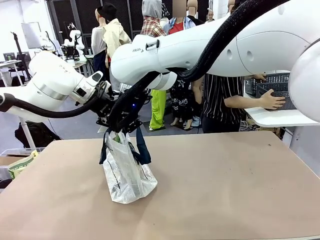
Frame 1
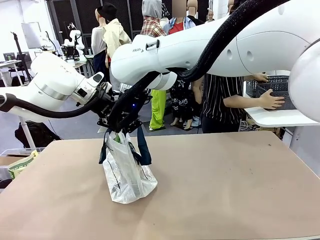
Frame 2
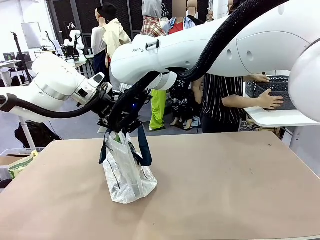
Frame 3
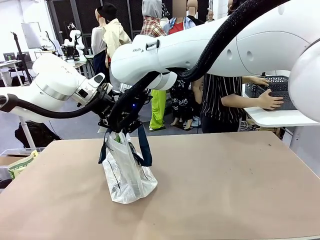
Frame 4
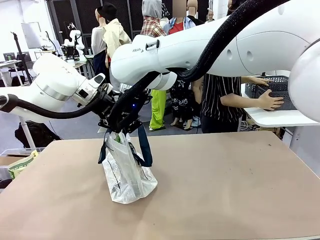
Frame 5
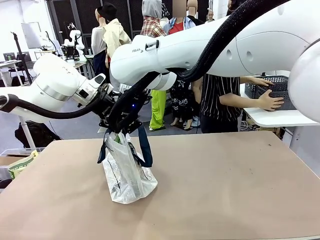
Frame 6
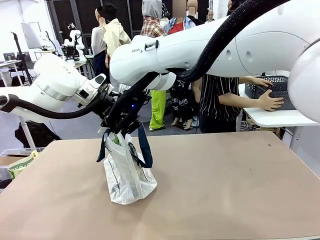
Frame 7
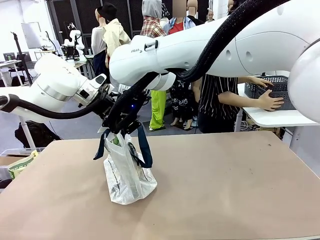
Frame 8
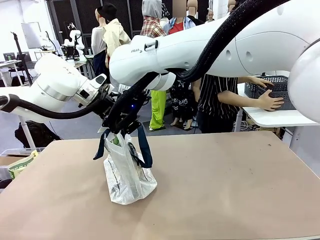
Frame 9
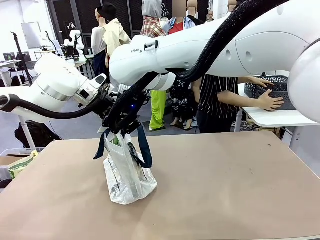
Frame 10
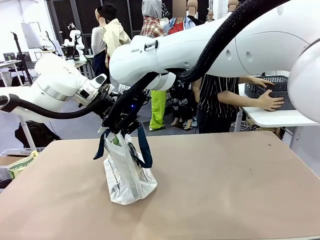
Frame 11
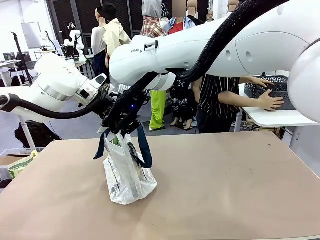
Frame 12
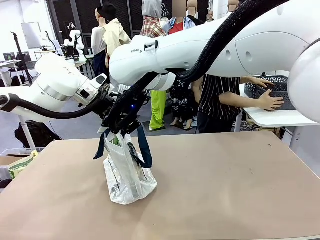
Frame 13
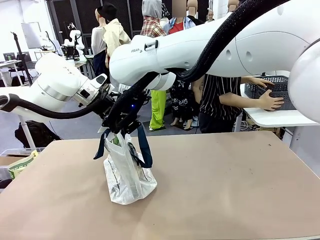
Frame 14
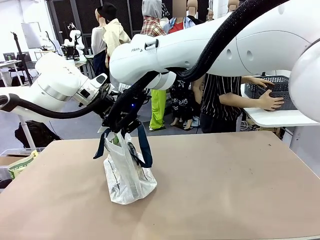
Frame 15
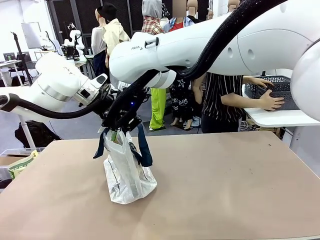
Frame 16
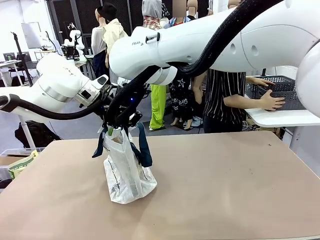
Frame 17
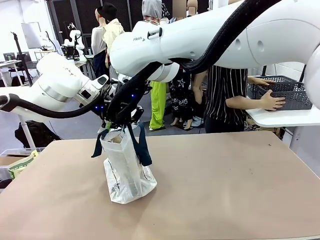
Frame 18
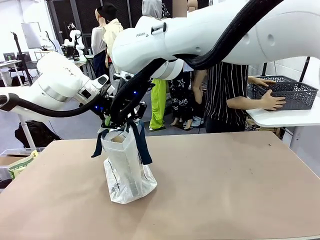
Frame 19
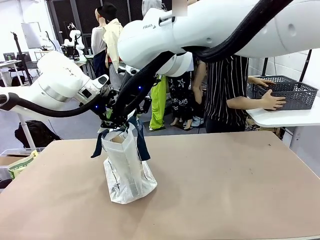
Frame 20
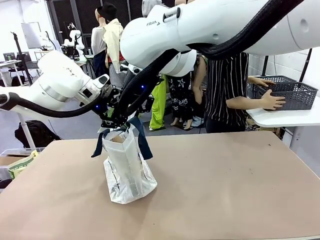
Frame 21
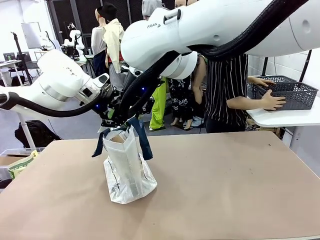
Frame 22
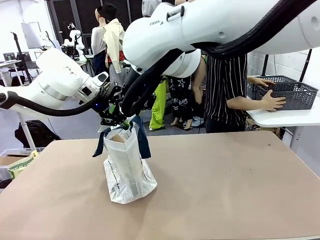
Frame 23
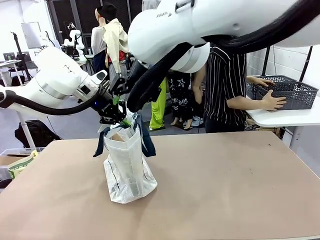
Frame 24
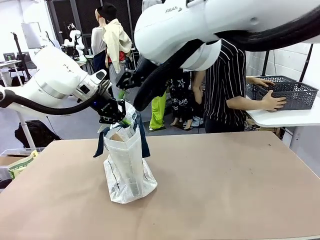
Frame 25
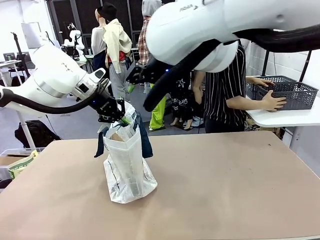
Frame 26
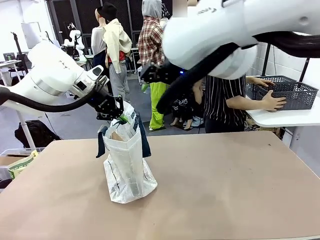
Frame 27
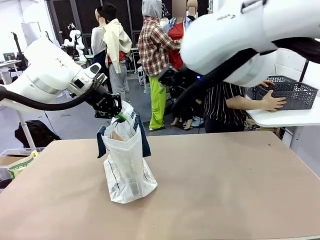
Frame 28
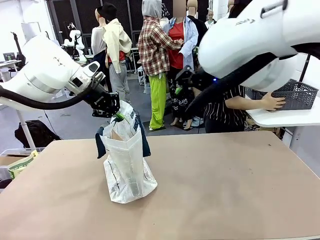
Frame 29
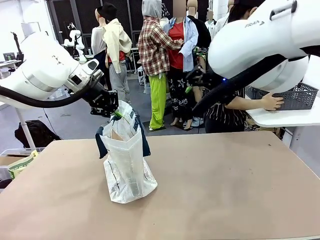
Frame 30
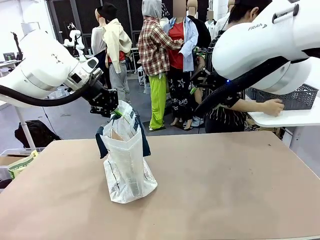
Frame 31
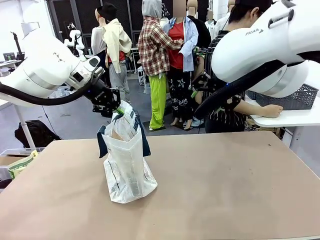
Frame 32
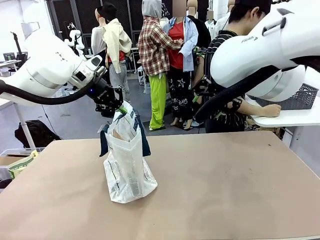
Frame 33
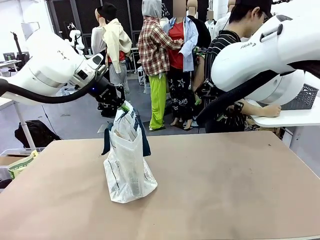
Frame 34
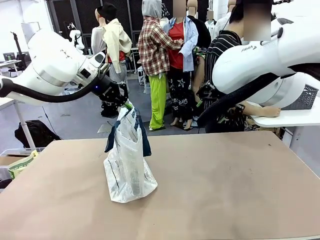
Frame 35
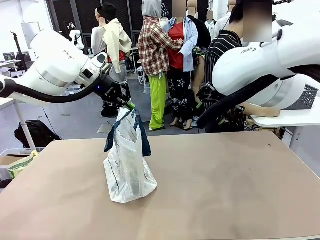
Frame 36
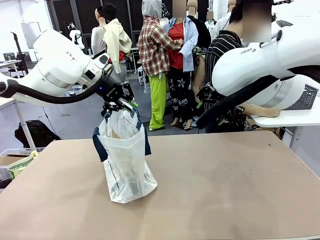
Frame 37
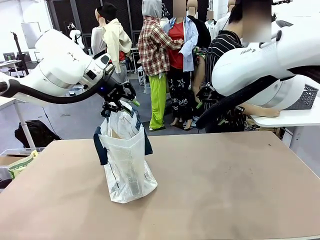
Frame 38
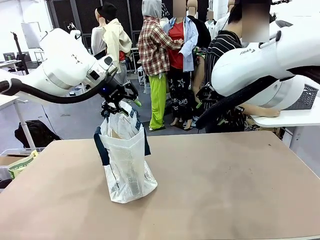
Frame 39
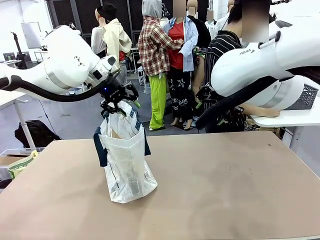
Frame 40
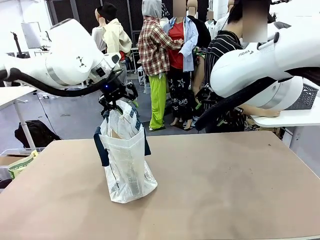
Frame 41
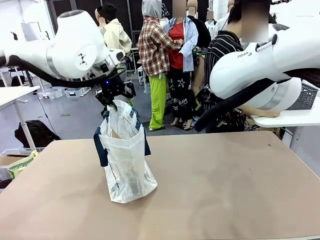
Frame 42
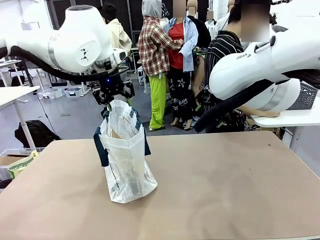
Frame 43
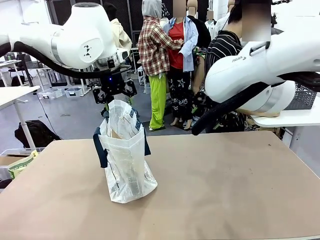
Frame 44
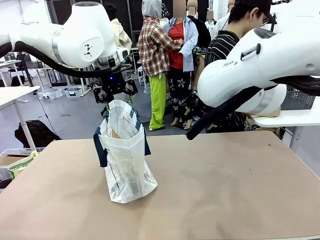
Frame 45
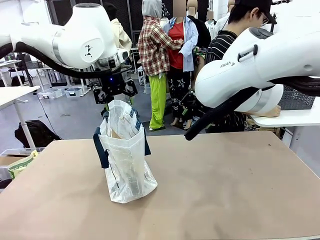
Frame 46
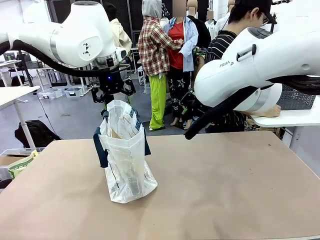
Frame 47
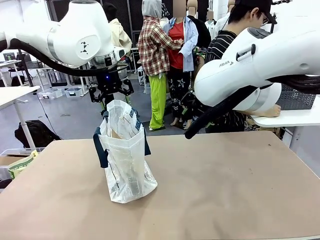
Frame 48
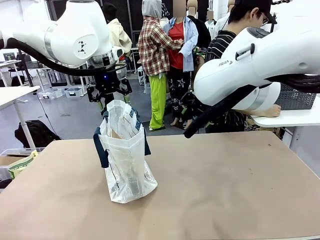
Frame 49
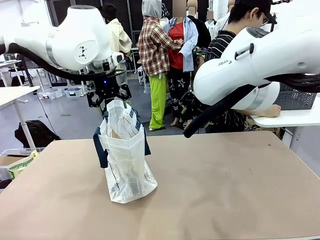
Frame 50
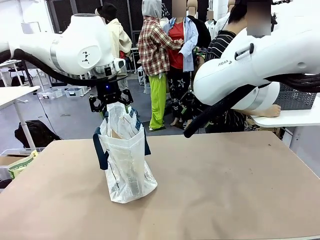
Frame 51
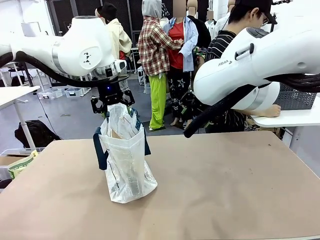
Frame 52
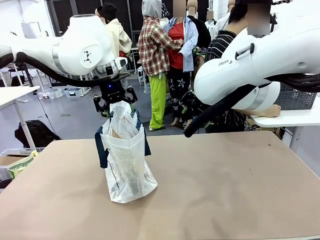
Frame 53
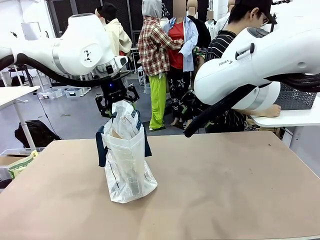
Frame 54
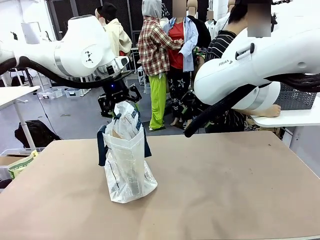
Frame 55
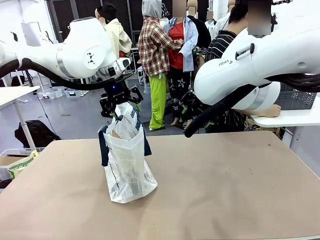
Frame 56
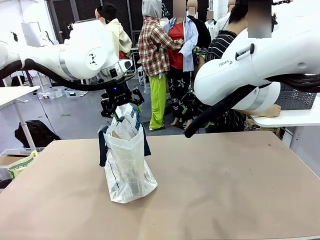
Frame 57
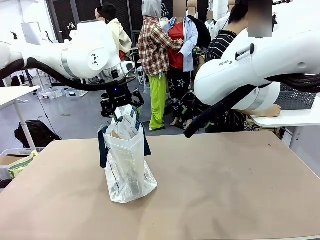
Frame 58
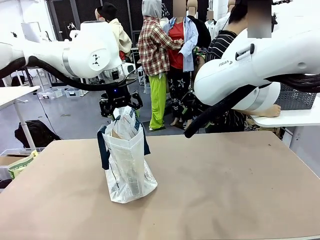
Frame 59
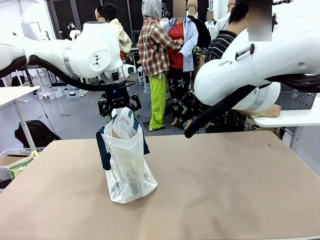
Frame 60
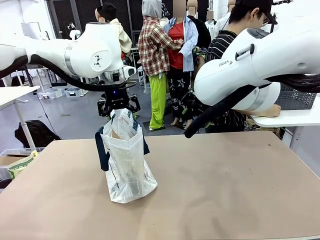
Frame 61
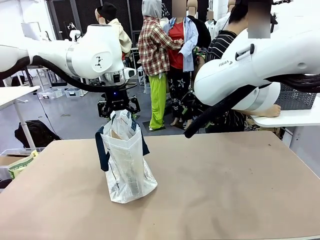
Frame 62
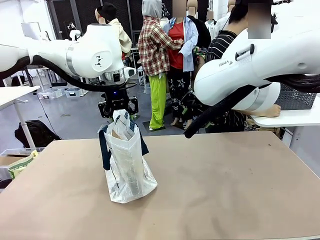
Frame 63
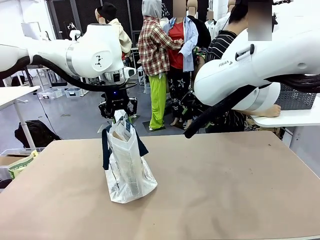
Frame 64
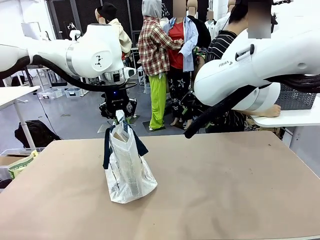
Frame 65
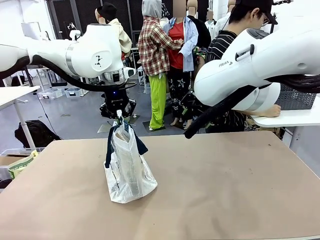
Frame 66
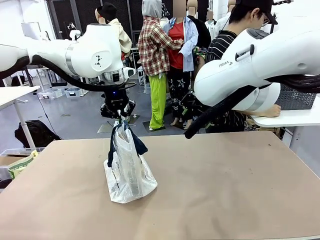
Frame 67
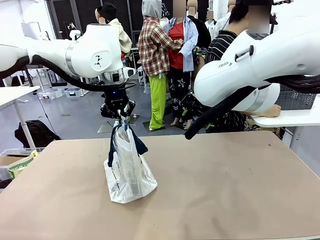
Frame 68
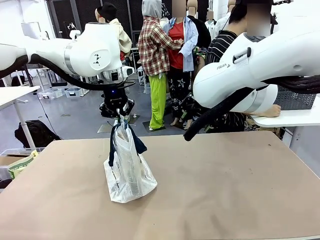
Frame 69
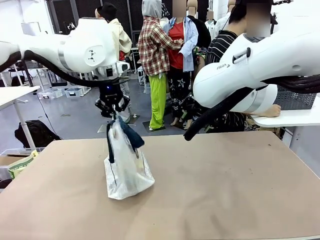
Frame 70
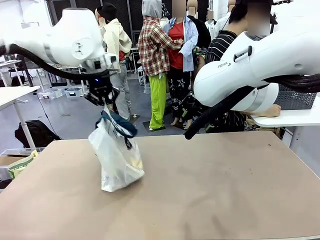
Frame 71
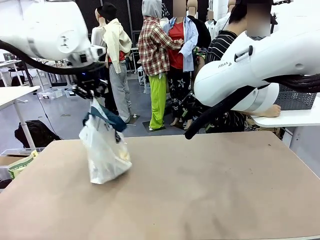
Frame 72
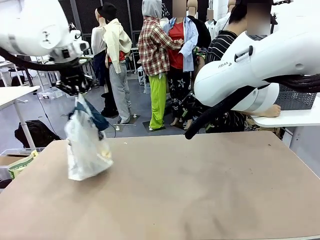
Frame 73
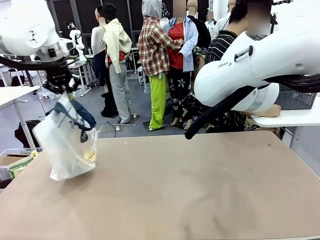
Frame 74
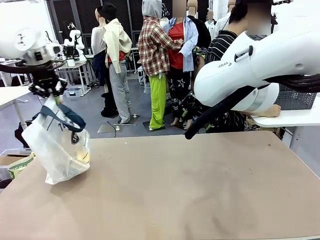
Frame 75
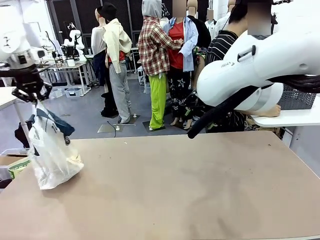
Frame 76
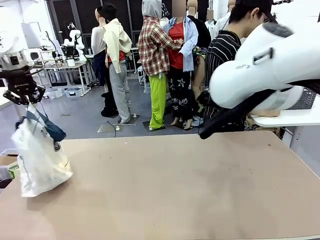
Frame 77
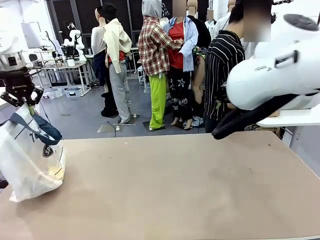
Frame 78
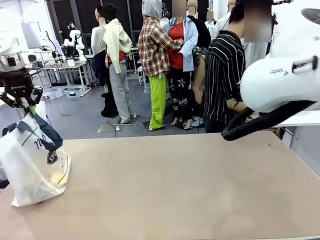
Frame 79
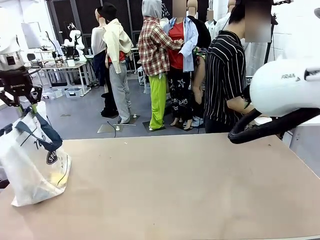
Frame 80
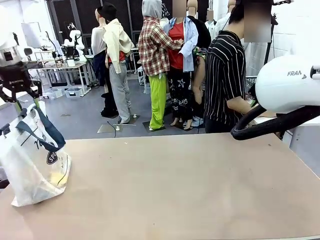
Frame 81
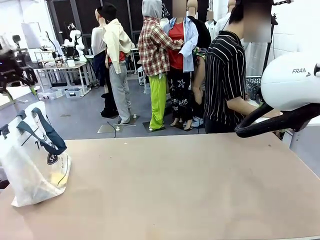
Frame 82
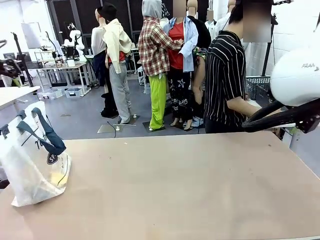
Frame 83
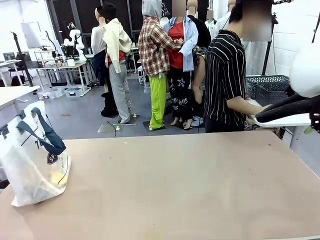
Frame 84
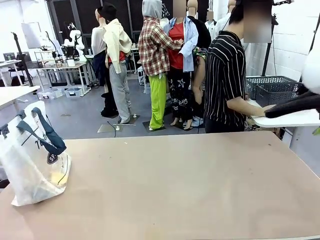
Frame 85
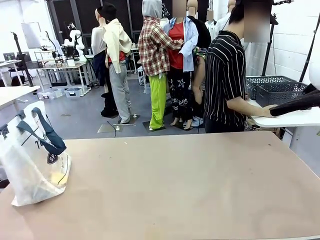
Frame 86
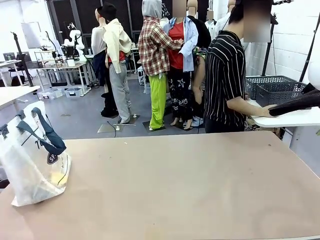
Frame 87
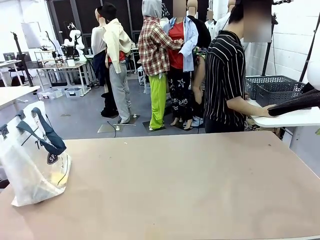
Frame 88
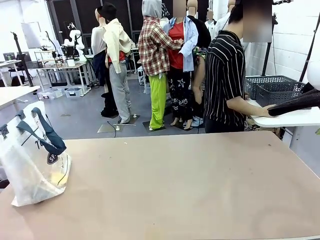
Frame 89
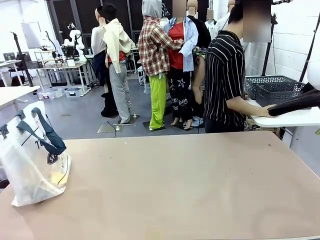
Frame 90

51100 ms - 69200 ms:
Task: Transfer purchased items from the store into the shopping bag.
Robot: Move the Reusable shopping bag to the right side of the table.
Person: Move the basket on the left to the middle of the person's table.
